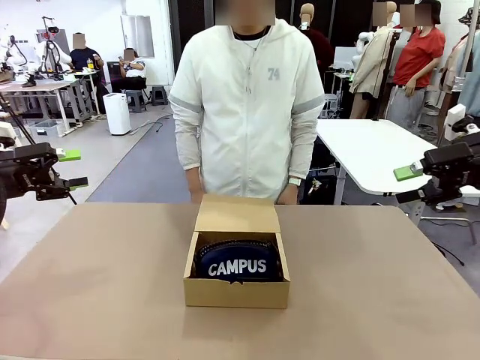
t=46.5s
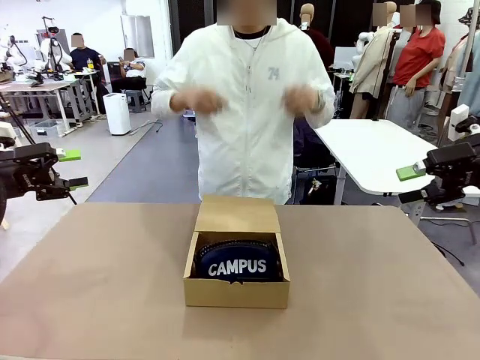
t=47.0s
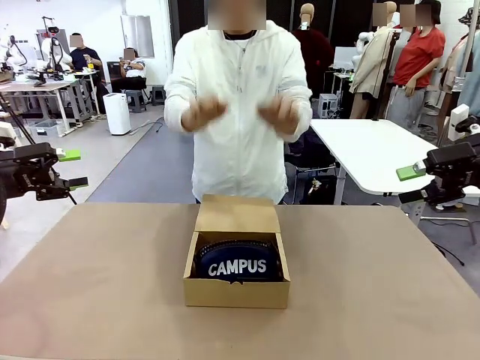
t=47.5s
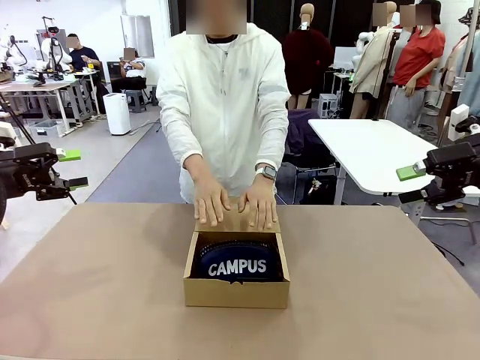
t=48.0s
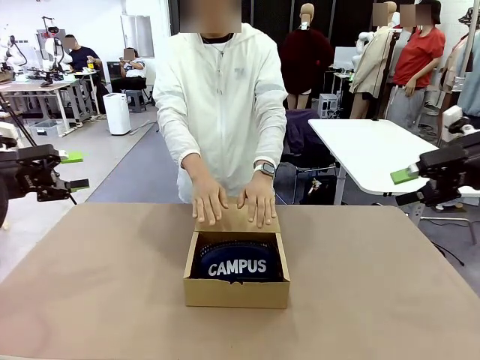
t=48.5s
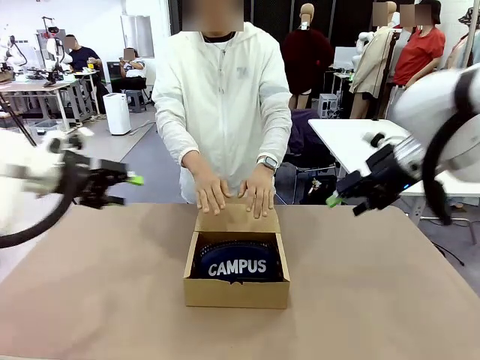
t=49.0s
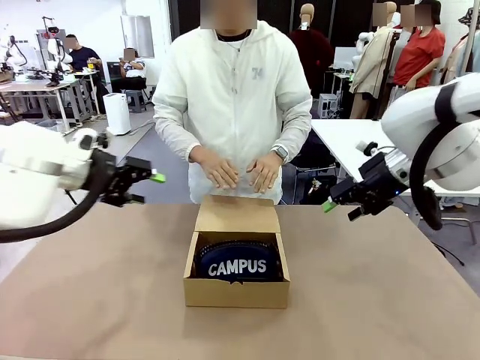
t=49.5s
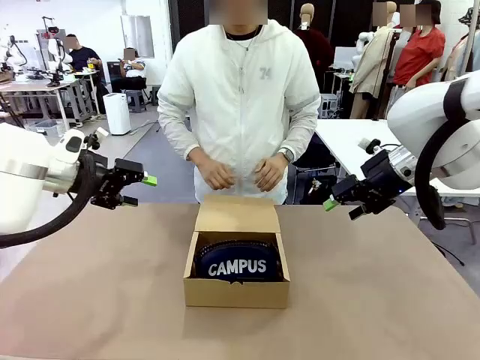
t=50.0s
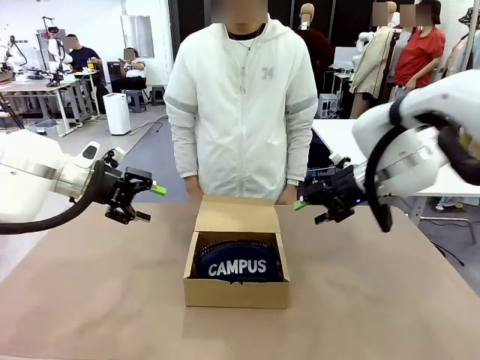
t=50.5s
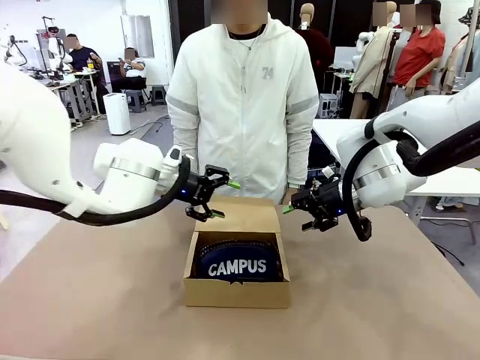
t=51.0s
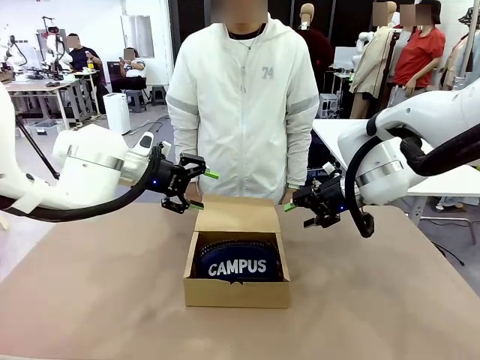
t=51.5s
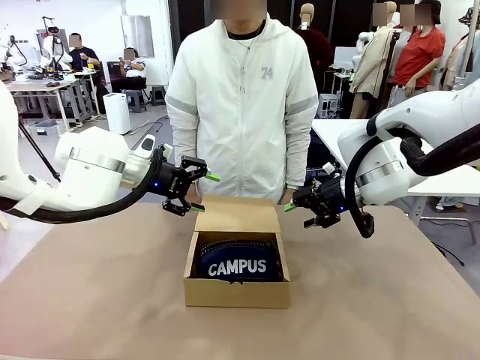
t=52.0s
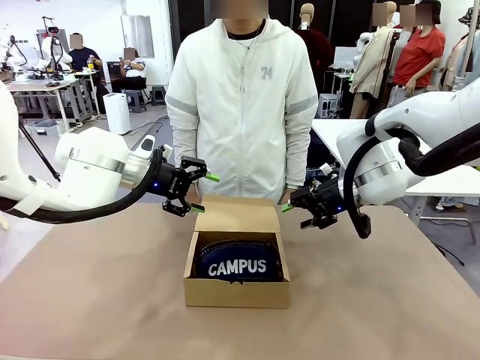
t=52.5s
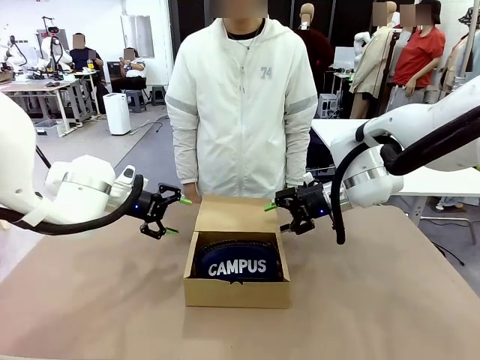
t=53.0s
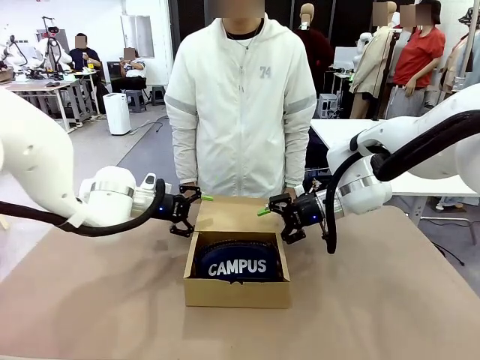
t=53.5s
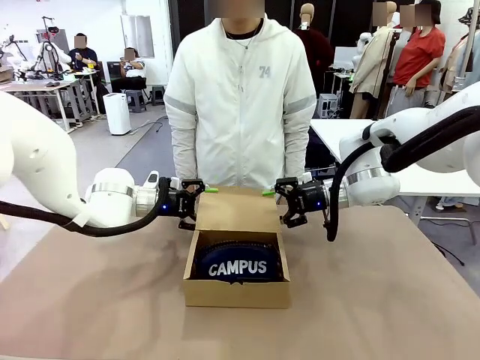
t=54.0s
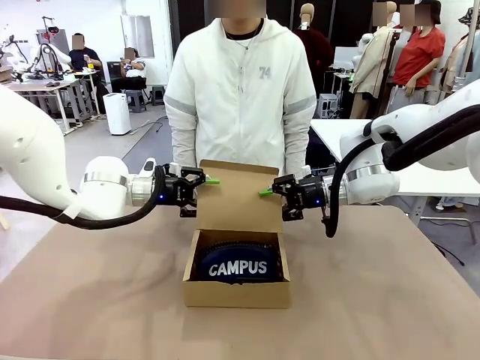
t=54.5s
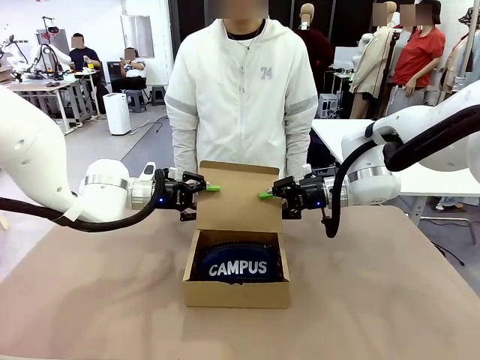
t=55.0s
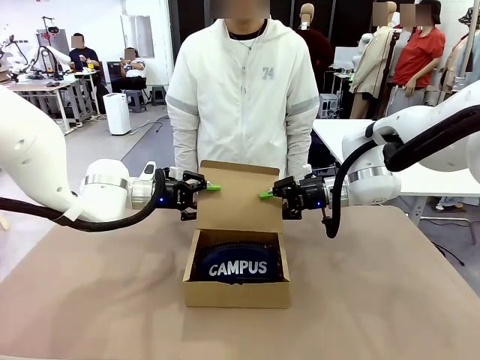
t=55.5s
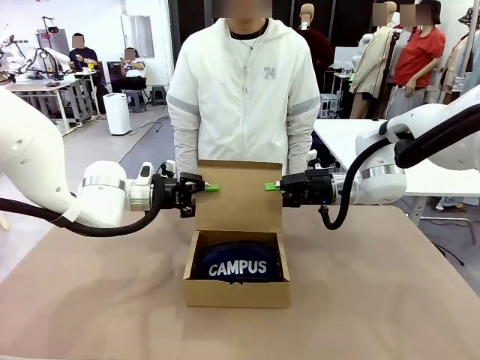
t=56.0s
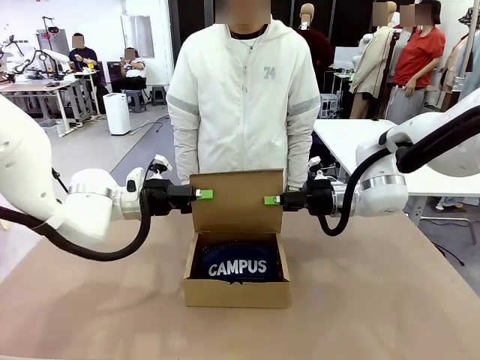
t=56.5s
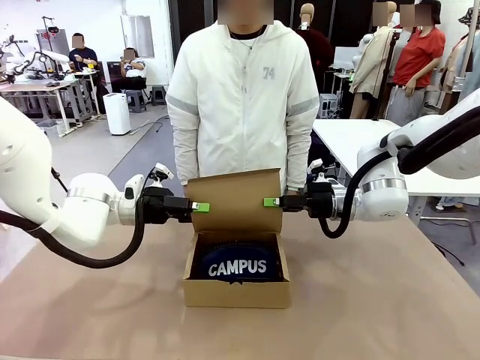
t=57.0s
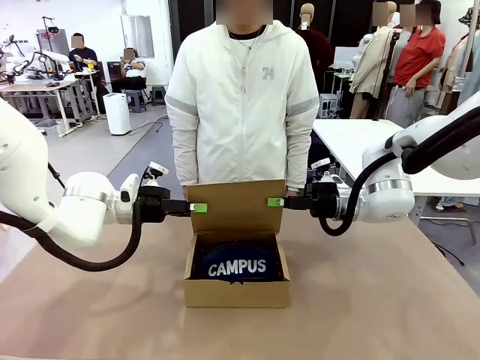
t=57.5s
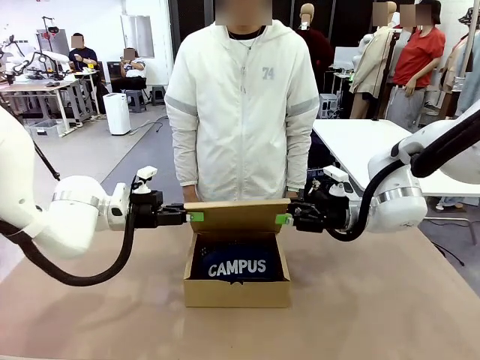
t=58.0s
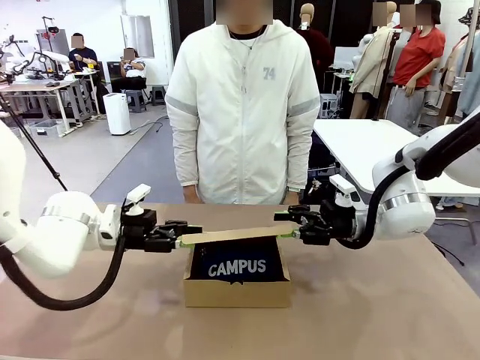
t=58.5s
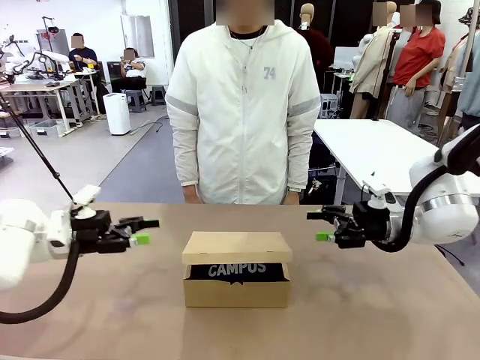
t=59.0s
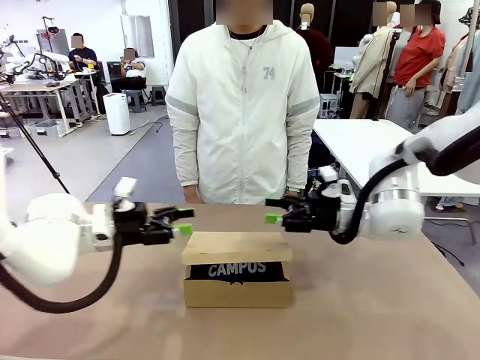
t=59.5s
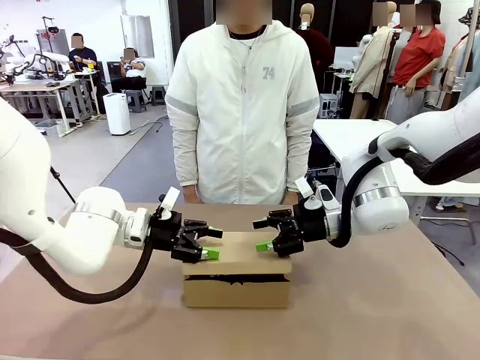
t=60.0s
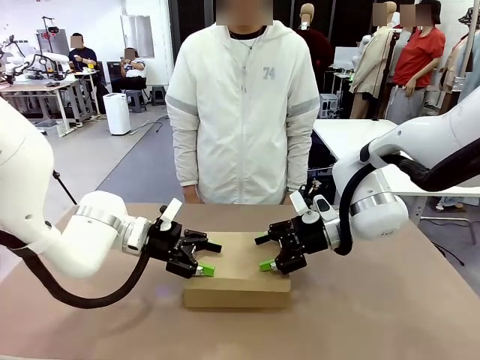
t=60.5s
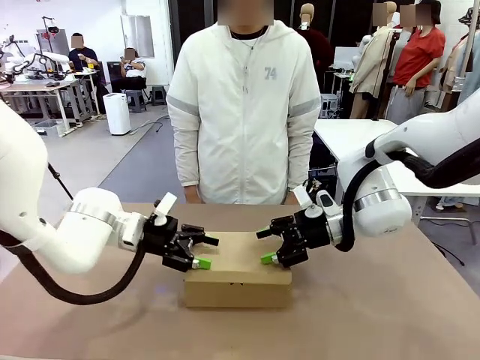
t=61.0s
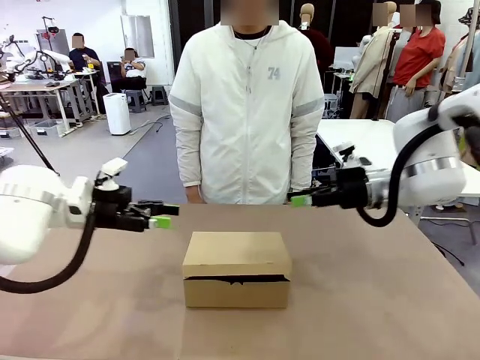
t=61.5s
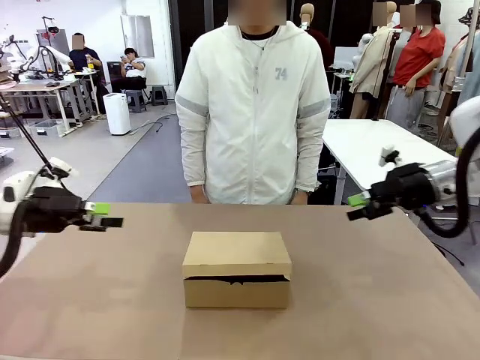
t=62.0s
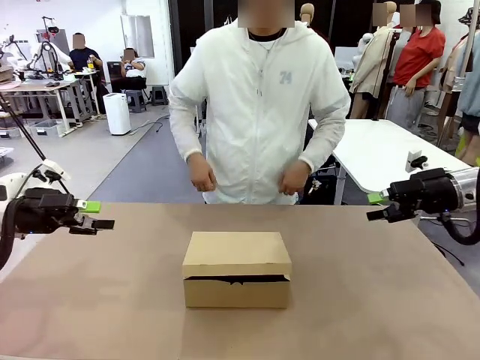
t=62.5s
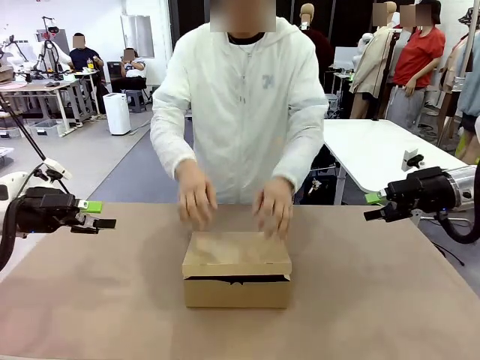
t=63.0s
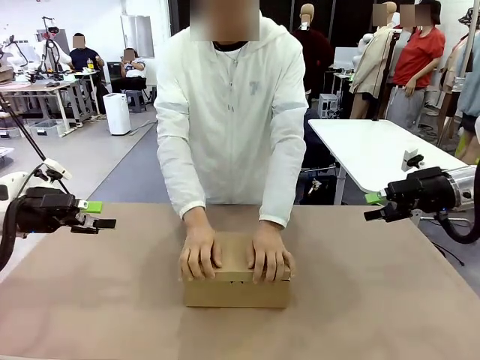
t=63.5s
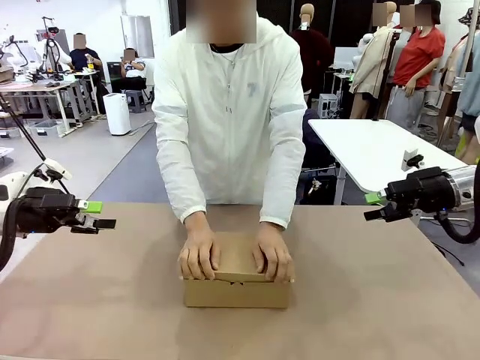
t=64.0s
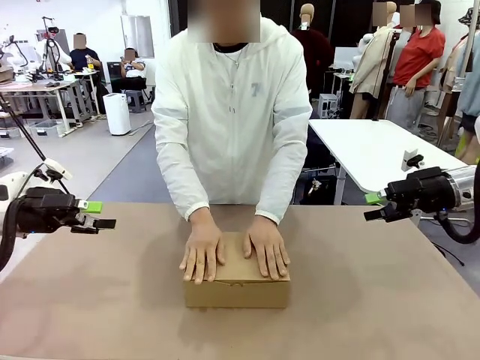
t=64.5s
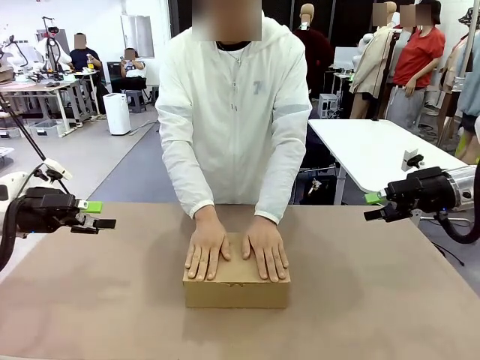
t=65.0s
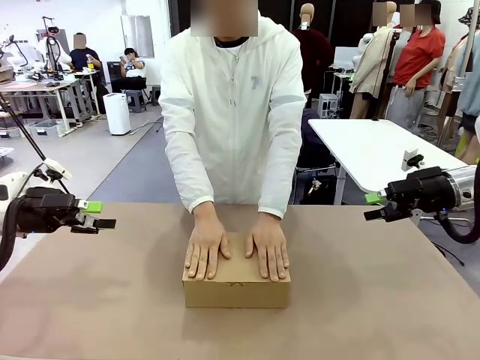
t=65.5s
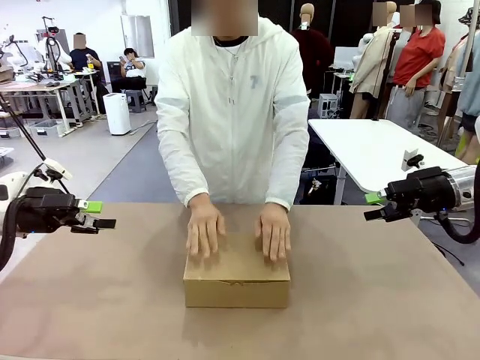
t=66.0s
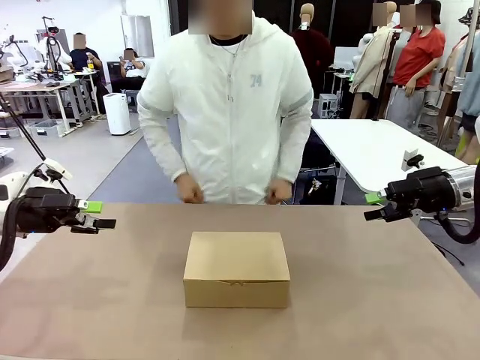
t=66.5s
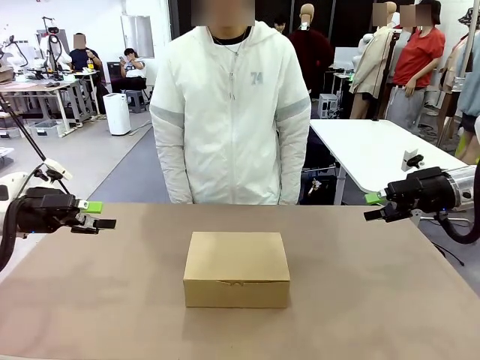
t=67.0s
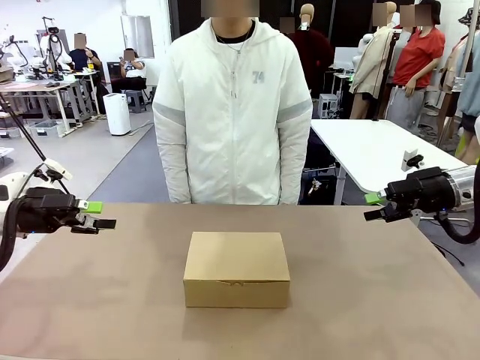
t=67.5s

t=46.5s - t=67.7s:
Task: Pack the items into the box.
Robot: Close the Mailer Box.
Person: Turn the box and lock it.

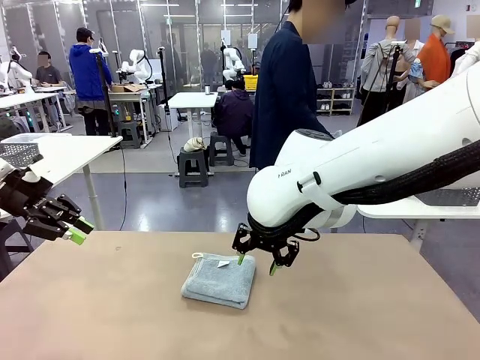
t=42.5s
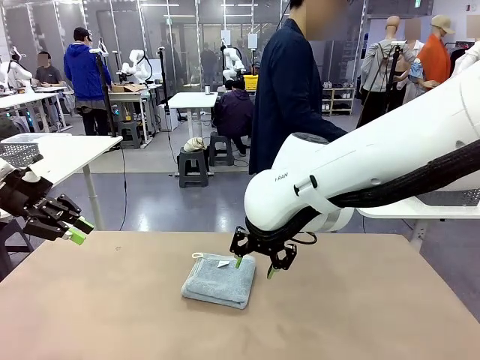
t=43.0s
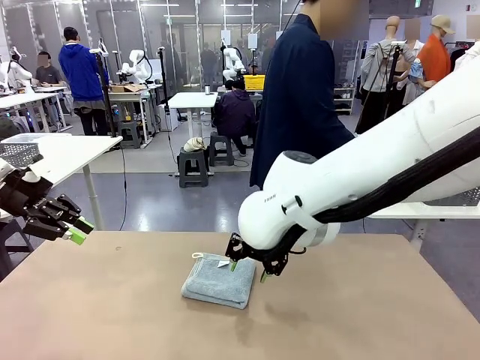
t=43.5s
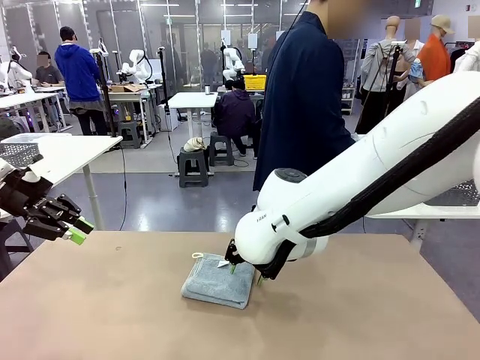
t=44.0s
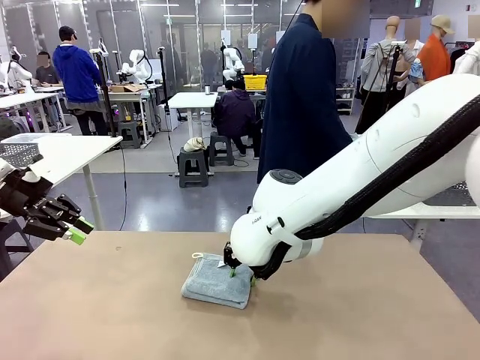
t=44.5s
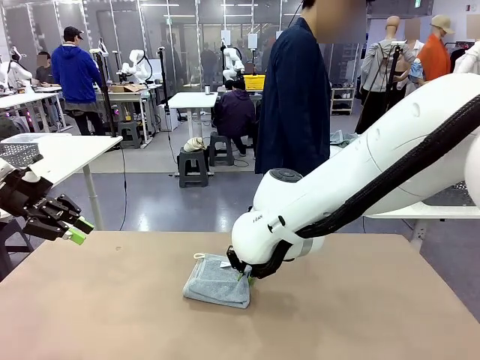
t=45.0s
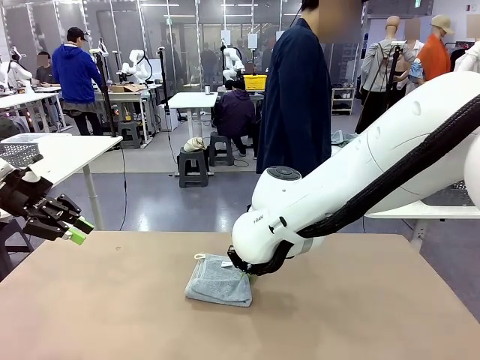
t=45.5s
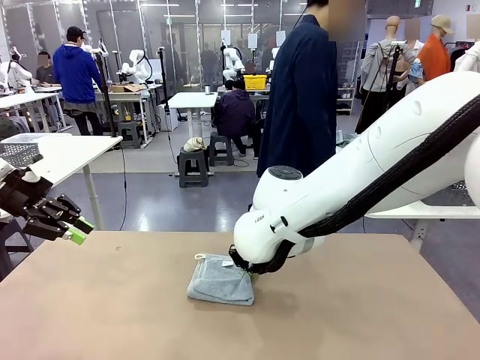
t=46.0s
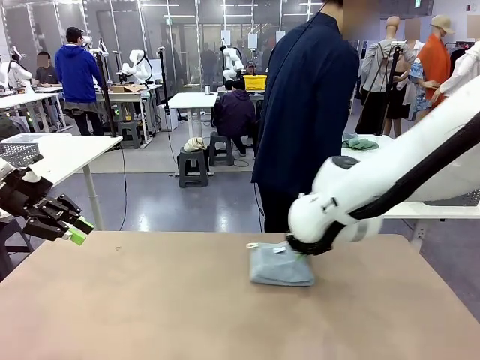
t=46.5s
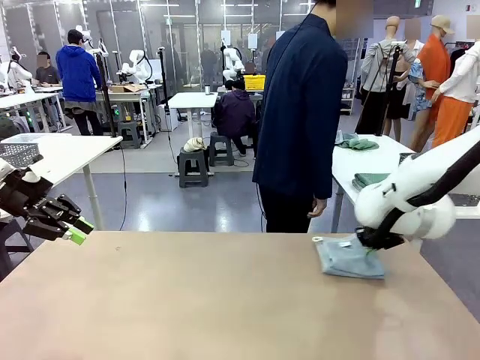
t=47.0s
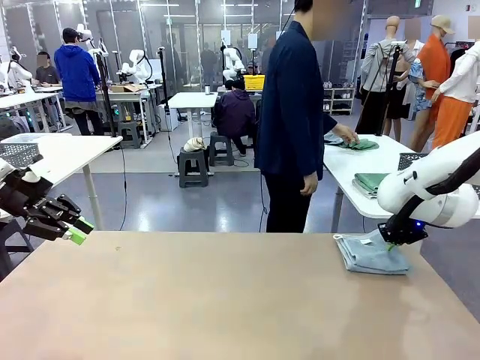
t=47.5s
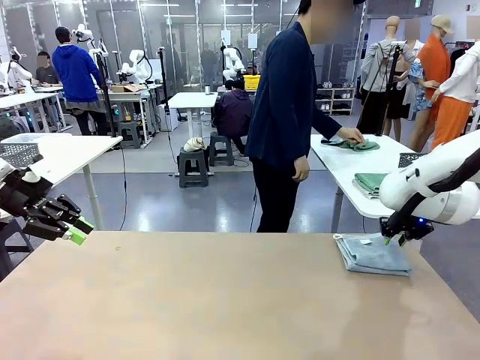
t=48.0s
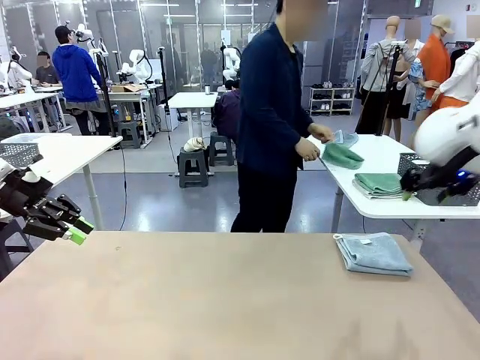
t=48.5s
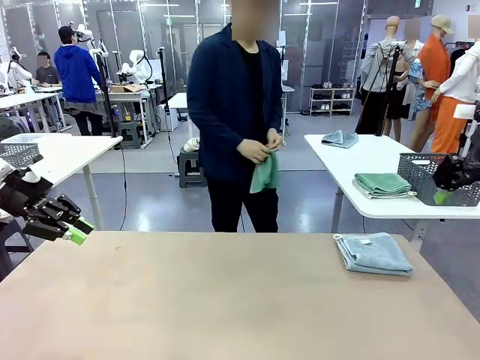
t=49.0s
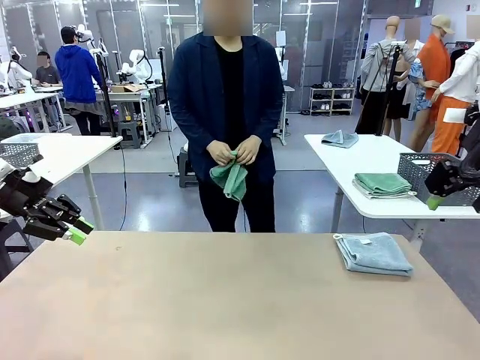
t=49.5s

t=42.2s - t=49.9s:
Task: Fold the towels and place them in the basket.
Robot: Place the folded Towel with hook on the right side of the table.
Person: Pick up one towel from the left side of the human table and spread it out at the center of the robot table.
